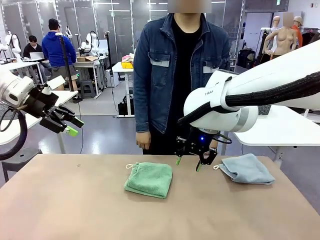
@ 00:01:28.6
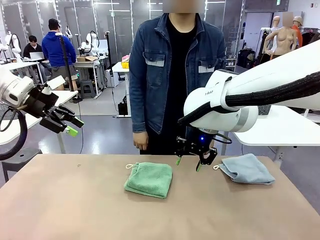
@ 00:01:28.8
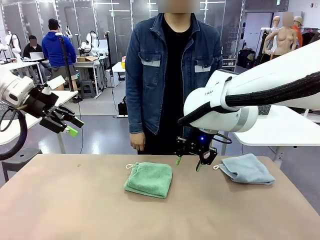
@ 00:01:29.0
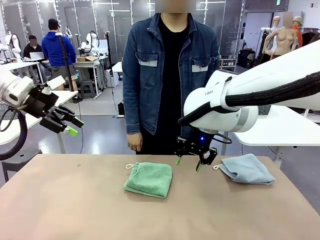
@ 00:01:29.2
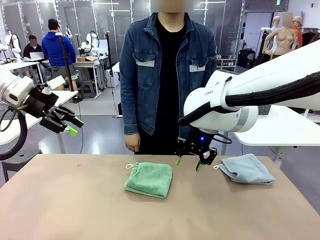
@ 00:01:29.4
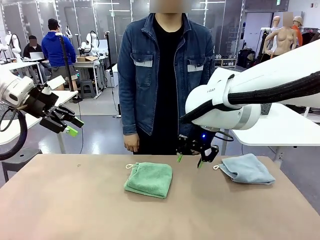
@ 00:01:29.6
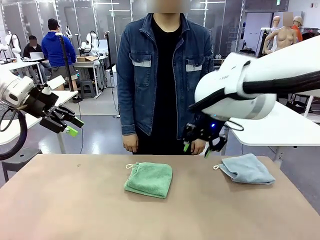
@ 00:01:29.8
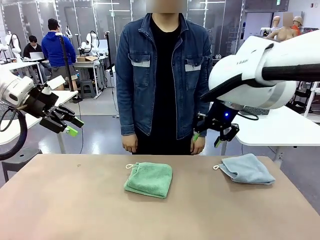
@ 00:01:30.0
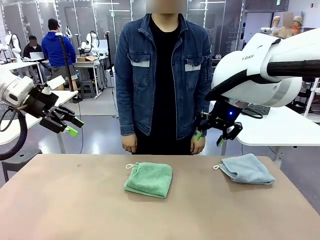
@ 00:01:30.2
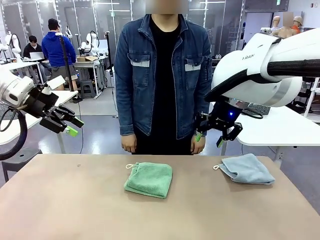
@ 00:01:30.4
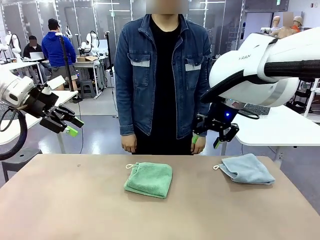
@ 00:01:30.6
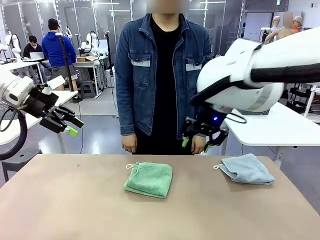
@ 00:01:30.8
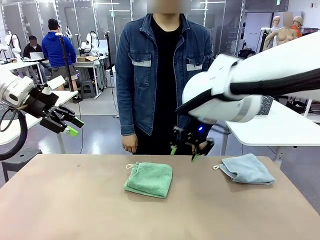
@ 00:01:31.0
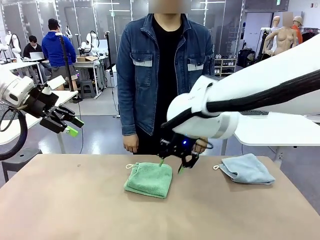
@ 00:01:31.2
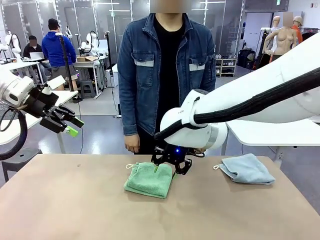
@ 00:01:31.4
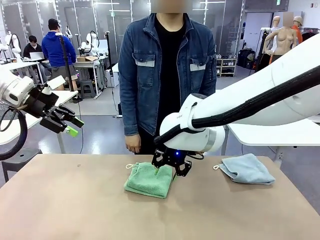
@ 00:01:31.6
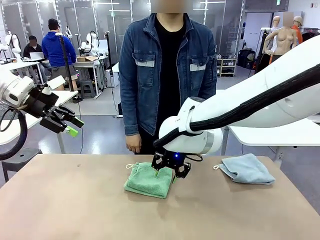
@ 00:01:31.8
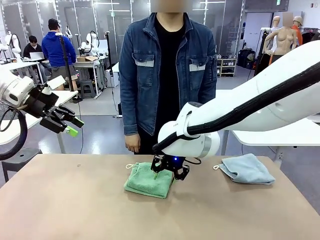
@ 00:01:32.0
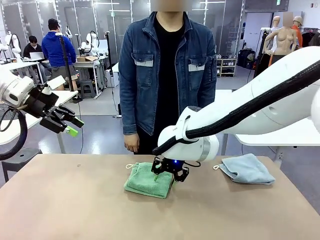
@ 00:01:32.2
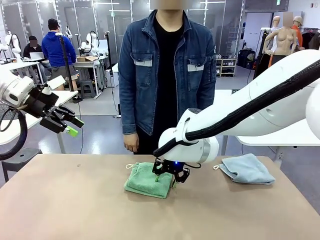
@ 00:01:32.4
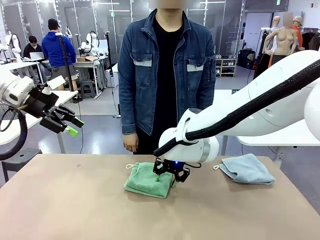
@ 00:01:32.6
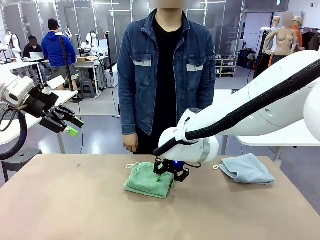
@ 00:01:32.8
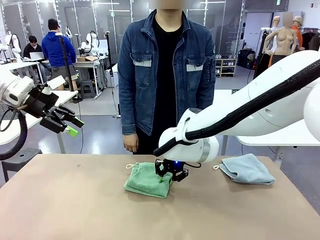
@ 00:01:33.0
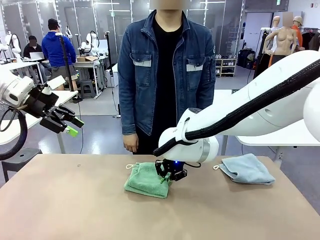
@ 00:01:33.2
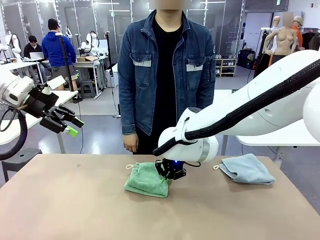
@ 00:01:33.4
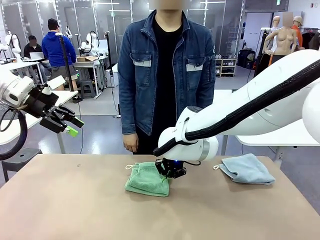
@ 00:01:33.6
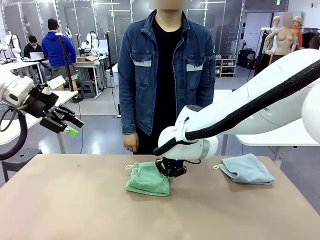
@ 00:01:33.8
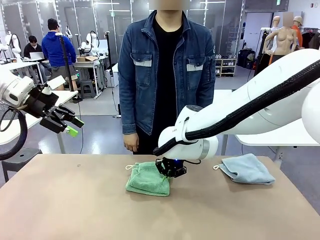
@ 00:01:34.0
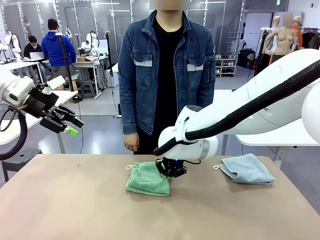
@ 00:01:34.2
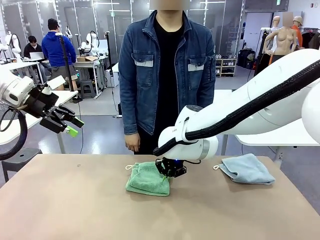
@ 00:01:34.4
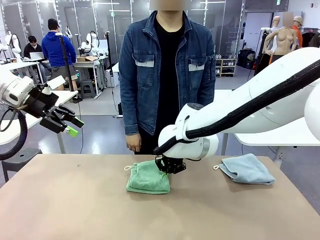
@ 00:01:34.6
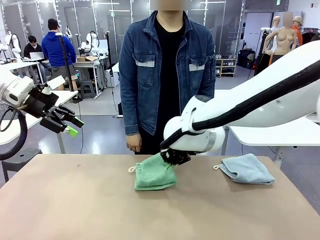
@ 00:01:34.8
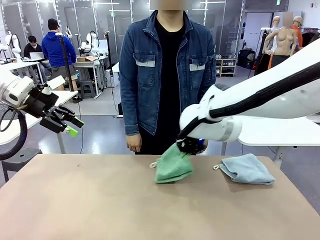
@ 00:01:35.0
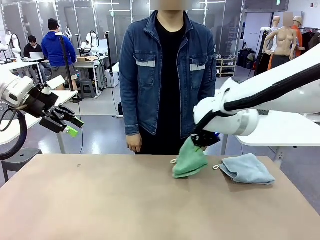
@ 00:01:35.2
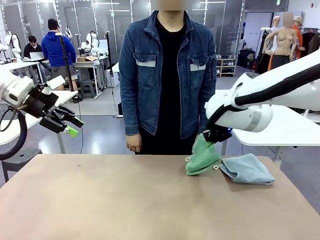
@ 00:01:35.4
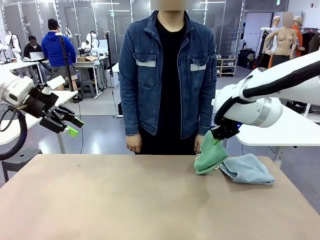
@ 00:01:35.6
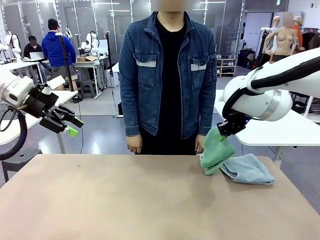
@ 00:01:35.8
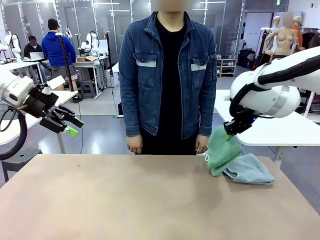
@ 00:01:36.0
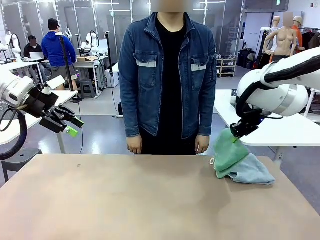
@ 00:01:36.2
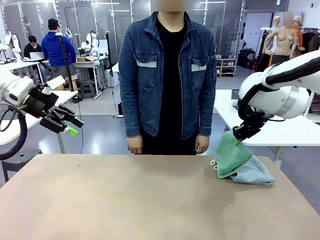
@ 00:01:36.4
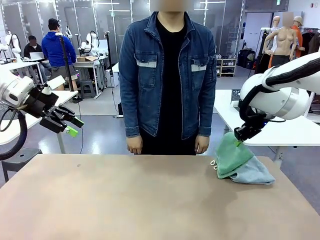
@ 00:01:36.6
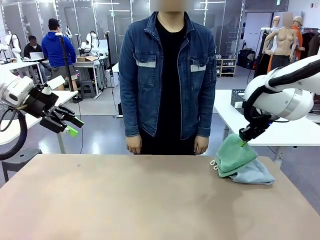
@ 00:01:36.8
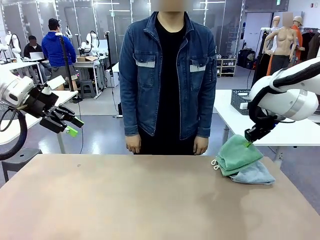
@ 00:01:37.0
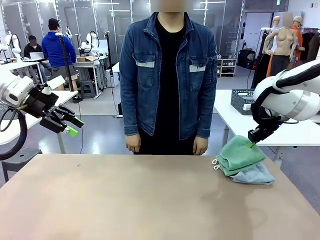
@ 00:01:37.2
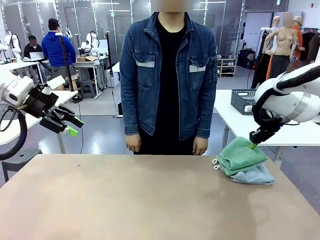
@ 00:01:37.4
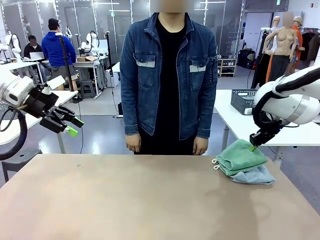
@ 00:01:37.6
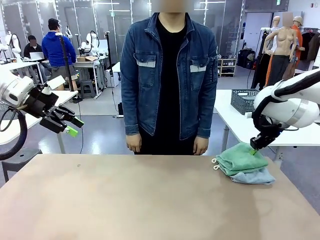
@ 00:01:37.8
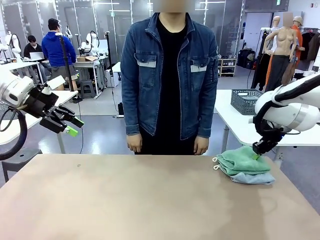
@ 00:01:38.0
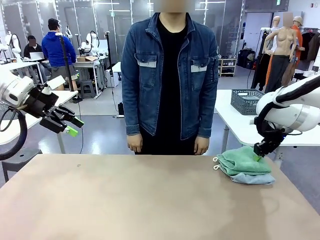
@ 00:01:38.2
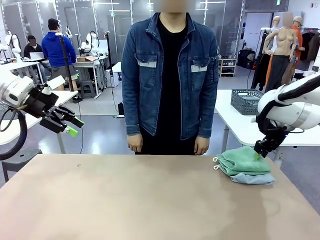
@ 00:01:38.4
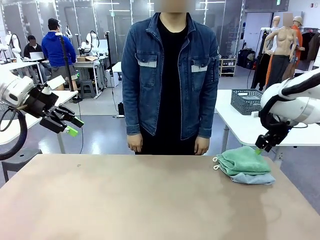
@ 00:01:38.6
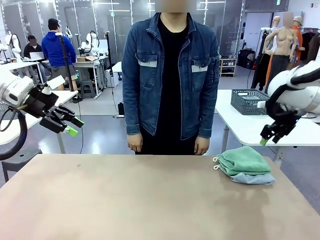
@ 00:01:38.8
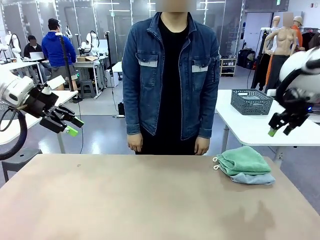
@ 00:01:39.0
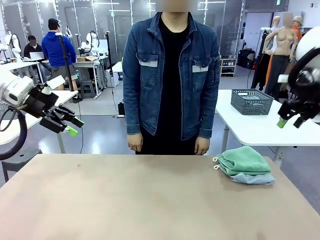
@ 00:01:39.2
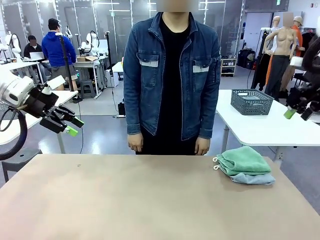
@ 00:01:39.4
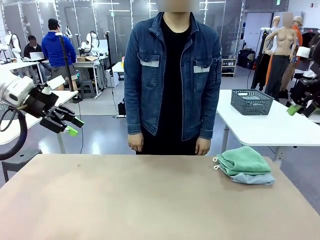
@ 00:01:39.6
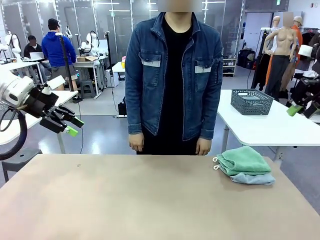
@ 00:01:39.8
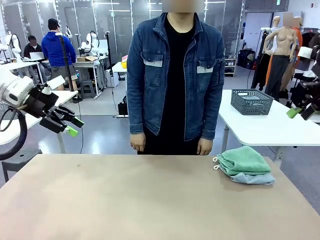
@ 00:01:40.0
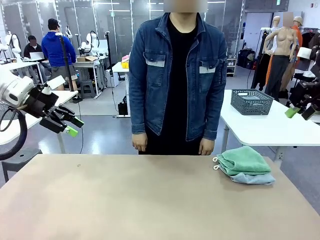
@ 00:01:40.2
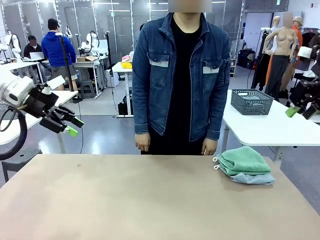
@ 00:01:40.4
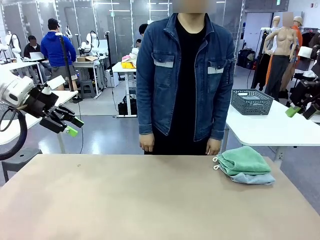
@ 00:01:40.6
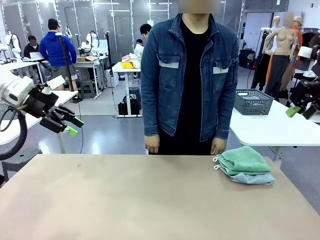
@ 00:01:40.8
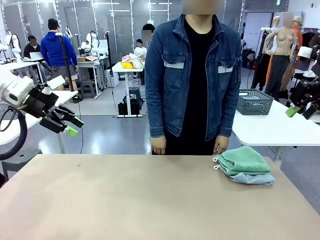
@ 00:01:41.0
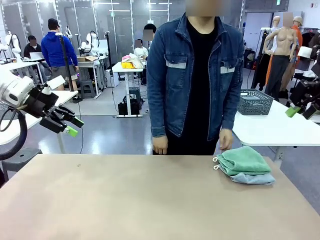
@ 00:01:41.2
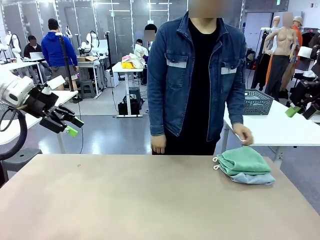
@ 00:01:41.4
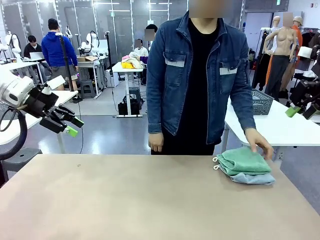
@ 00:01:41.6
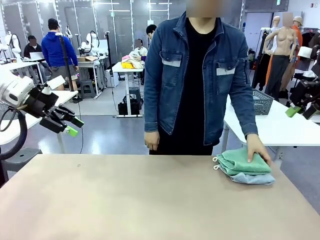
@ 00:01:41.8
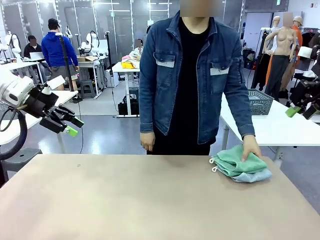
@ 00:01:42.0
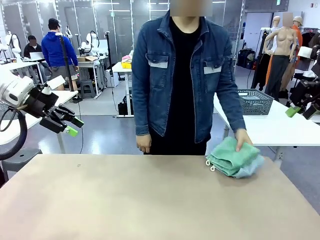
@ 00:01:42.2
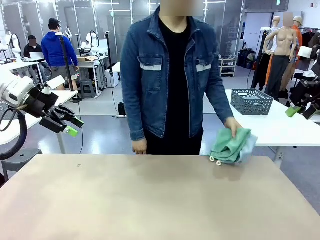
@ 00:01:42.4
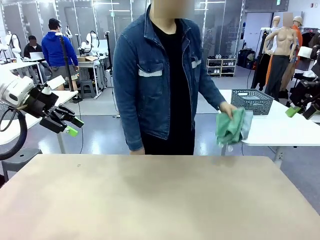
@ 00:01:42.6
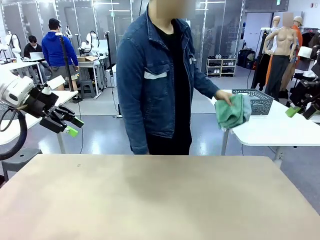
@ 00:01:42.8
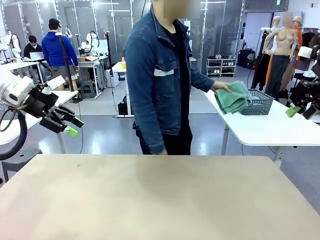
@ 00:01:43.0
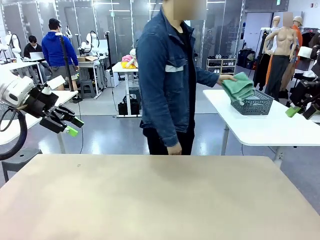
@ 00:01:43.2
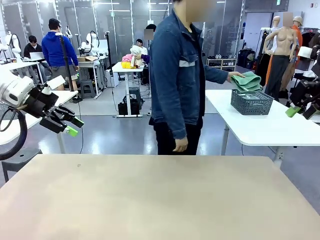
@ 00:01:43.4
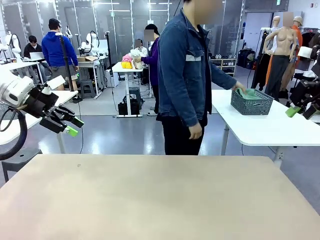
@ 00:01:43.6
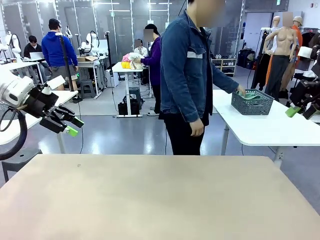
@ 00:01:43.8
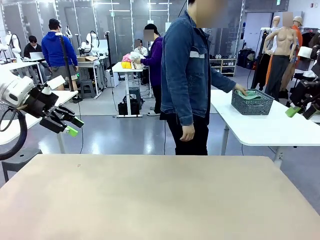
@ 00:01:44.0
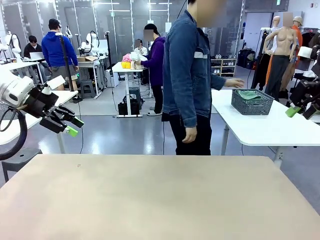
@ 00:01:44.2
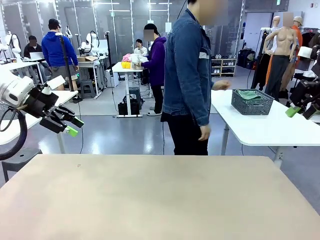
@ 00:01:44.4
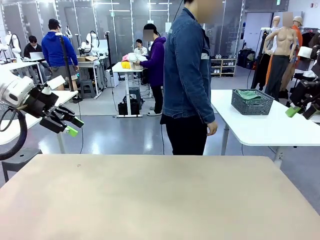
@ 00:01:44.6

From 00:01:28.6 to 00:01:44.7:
Task: Fold the towels and place them in the basket.
Robot: Stack the folded Towel with hook on the right side of the table.
Person: Pick up the stack of towels from the robot table and place it into the basket.
